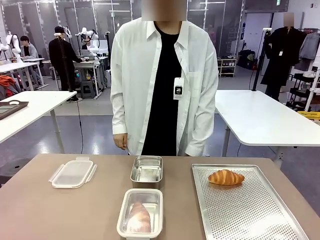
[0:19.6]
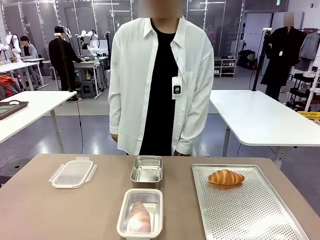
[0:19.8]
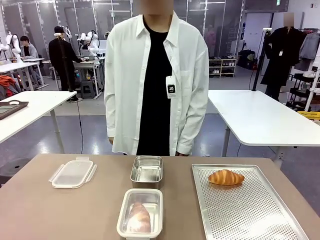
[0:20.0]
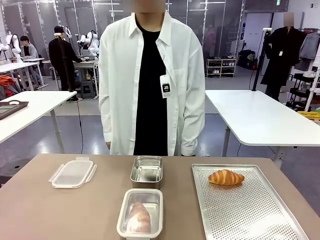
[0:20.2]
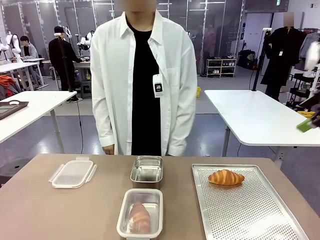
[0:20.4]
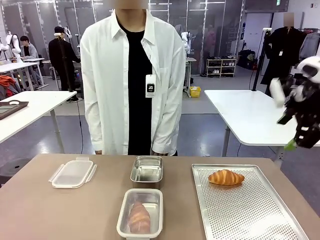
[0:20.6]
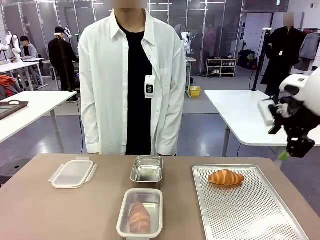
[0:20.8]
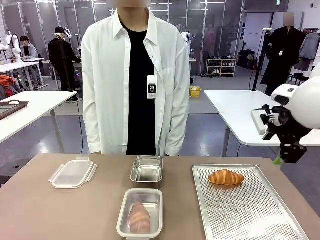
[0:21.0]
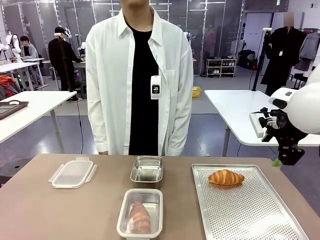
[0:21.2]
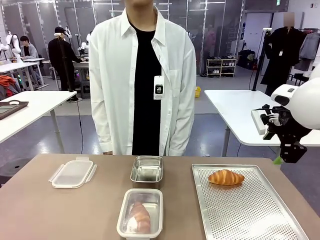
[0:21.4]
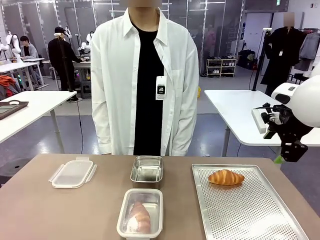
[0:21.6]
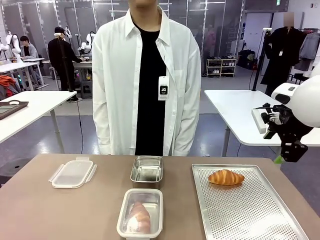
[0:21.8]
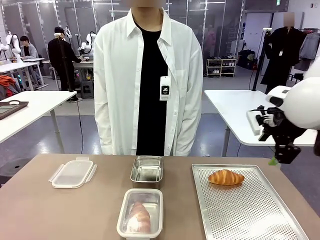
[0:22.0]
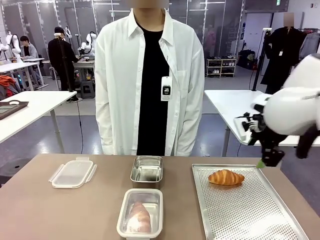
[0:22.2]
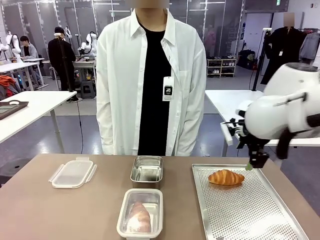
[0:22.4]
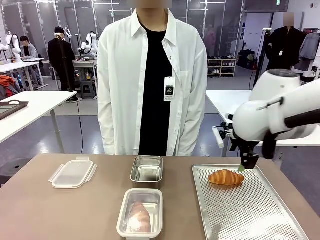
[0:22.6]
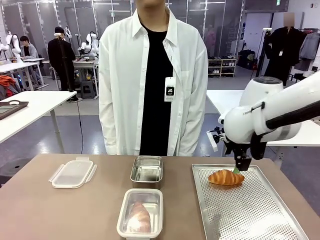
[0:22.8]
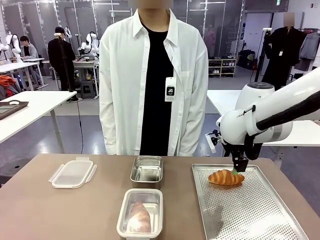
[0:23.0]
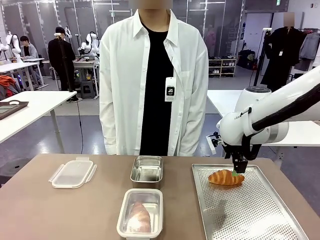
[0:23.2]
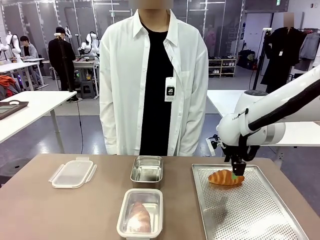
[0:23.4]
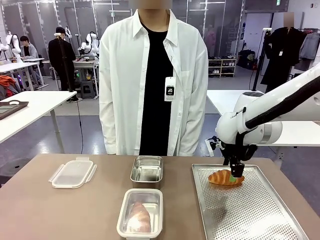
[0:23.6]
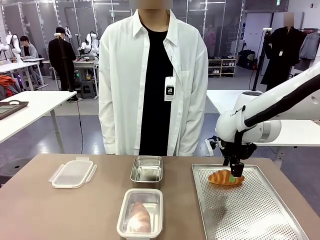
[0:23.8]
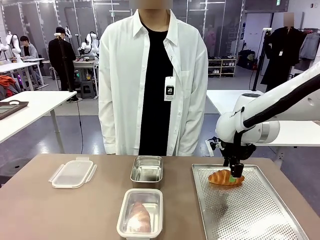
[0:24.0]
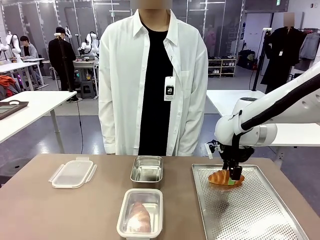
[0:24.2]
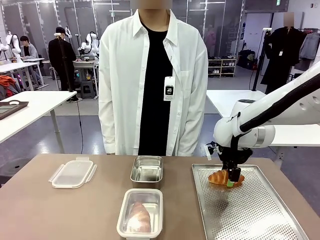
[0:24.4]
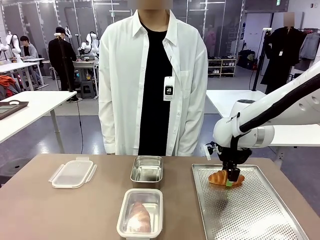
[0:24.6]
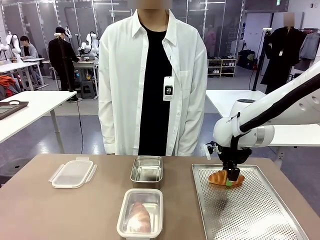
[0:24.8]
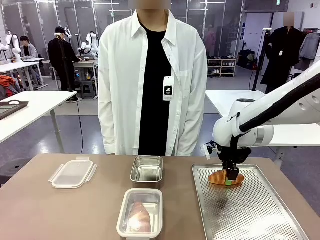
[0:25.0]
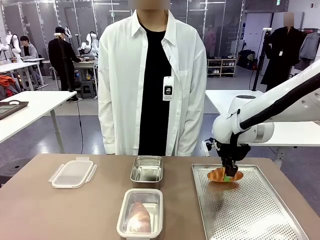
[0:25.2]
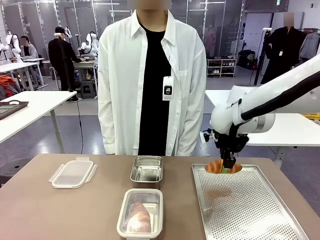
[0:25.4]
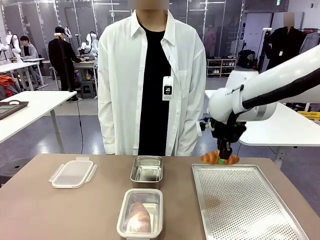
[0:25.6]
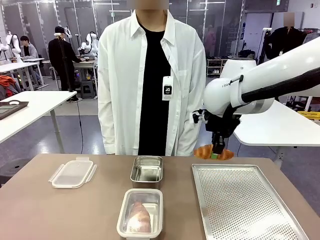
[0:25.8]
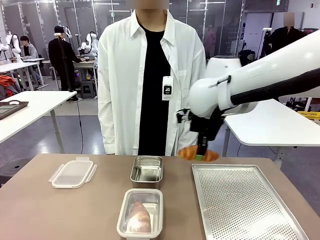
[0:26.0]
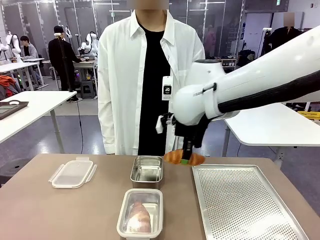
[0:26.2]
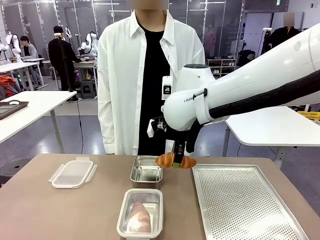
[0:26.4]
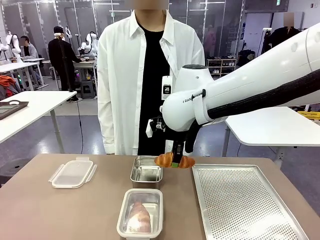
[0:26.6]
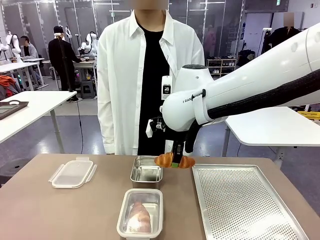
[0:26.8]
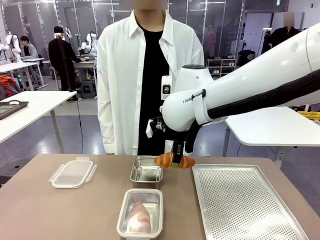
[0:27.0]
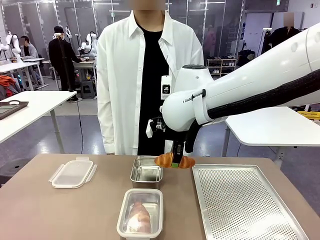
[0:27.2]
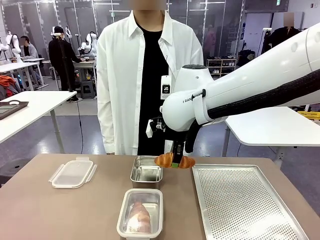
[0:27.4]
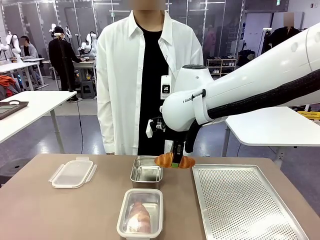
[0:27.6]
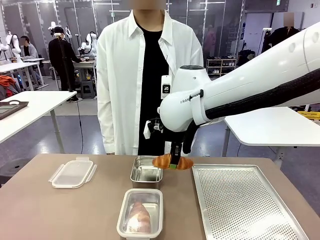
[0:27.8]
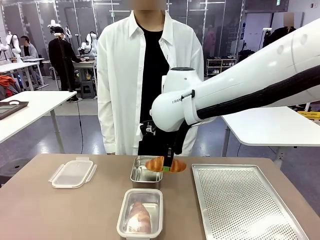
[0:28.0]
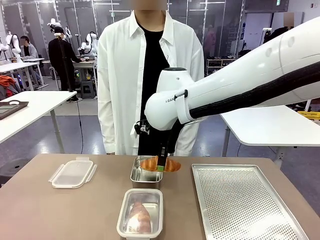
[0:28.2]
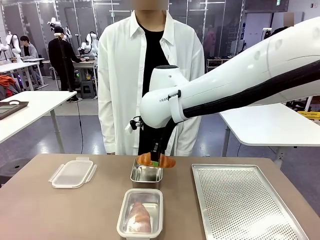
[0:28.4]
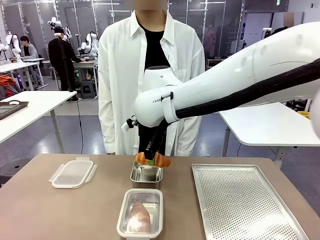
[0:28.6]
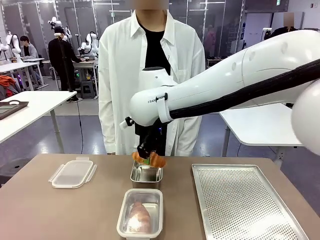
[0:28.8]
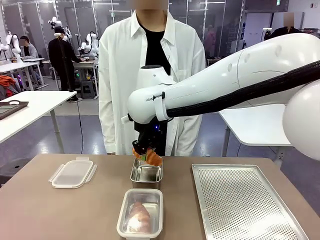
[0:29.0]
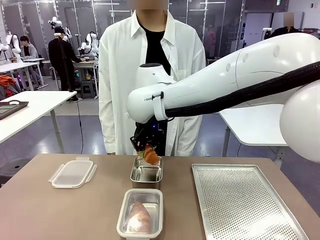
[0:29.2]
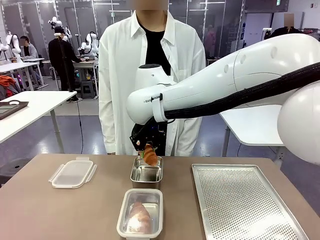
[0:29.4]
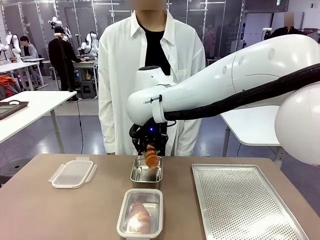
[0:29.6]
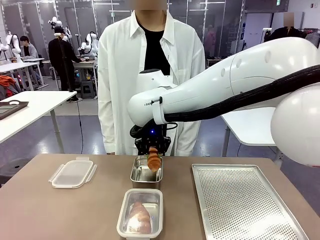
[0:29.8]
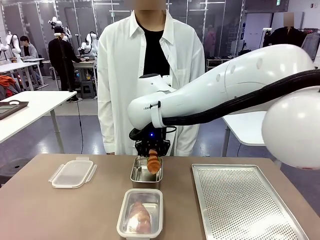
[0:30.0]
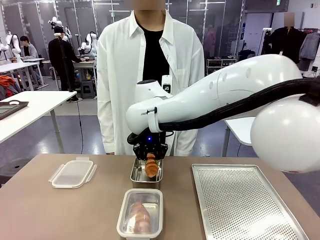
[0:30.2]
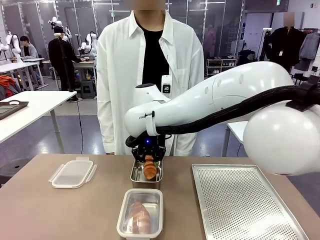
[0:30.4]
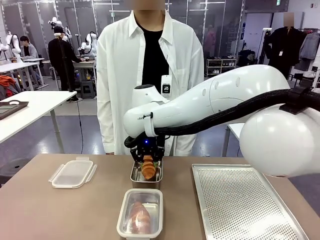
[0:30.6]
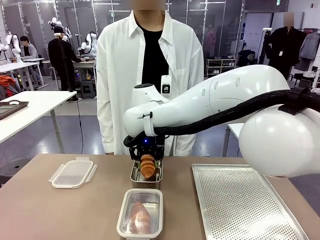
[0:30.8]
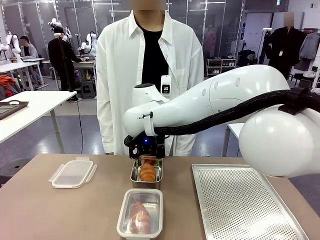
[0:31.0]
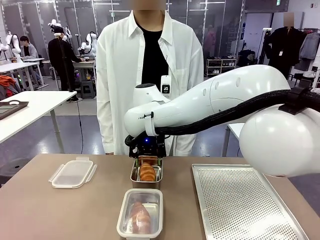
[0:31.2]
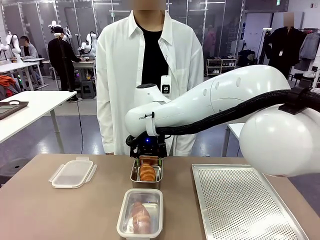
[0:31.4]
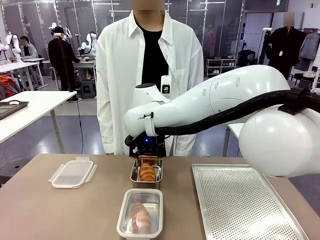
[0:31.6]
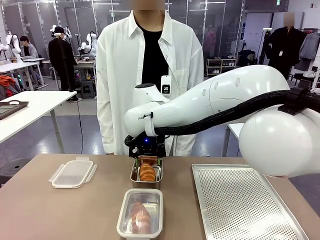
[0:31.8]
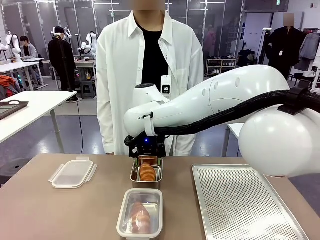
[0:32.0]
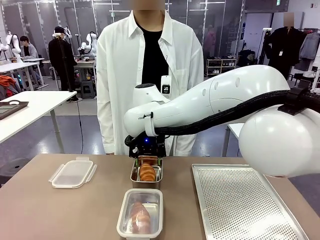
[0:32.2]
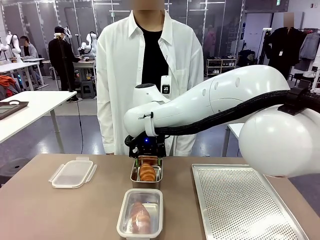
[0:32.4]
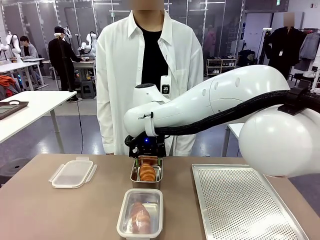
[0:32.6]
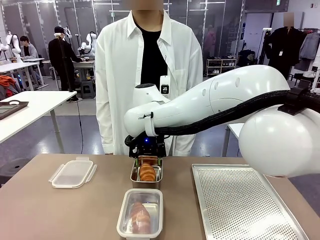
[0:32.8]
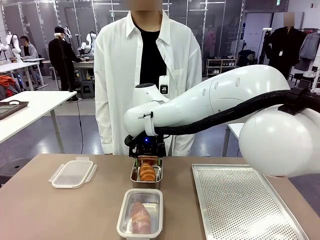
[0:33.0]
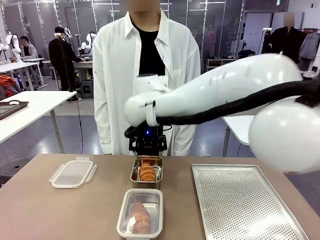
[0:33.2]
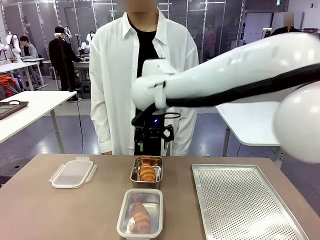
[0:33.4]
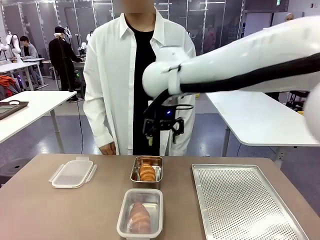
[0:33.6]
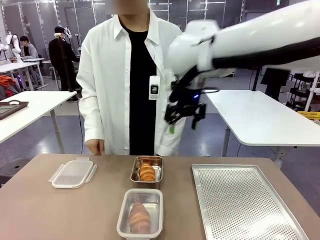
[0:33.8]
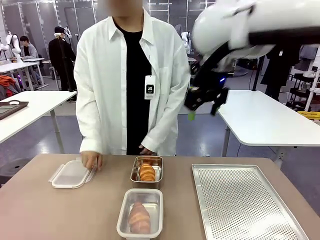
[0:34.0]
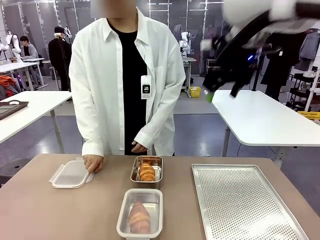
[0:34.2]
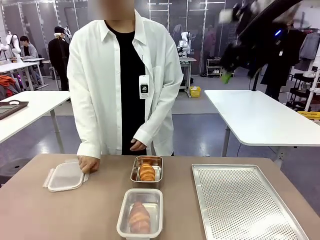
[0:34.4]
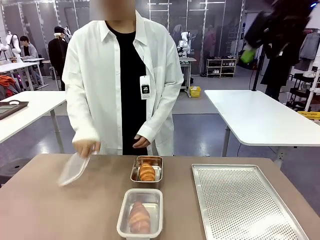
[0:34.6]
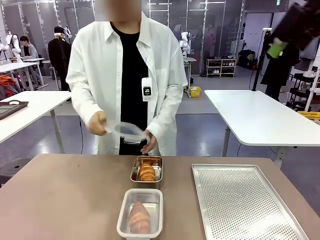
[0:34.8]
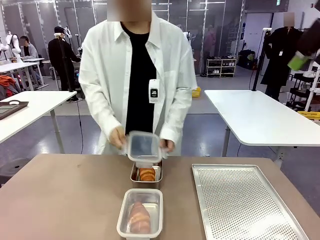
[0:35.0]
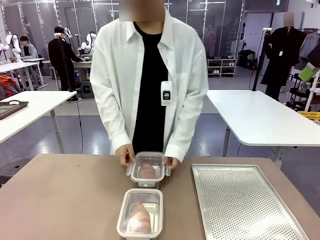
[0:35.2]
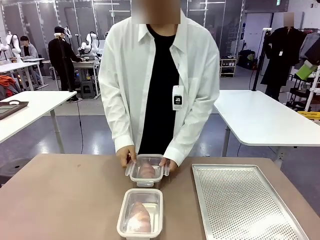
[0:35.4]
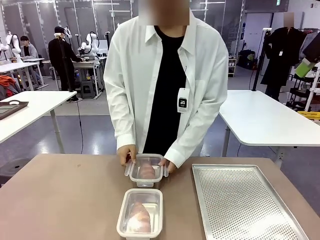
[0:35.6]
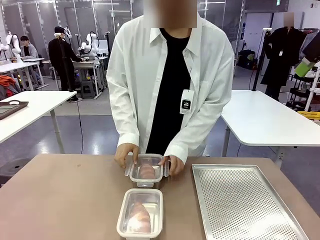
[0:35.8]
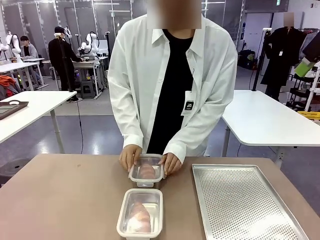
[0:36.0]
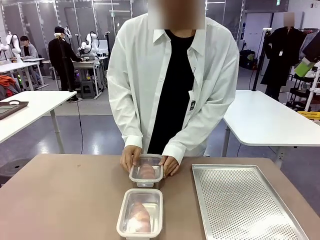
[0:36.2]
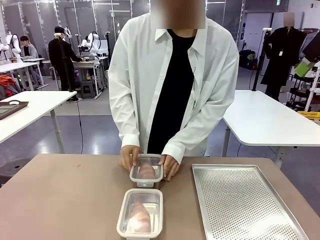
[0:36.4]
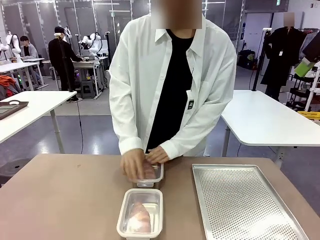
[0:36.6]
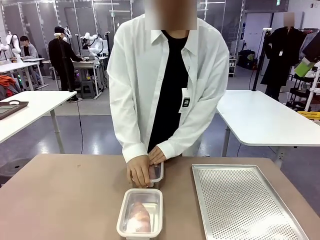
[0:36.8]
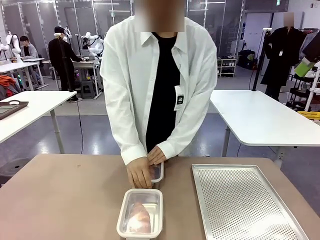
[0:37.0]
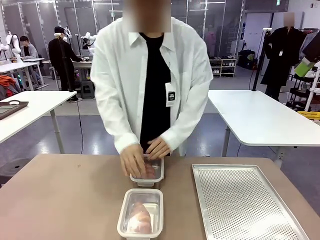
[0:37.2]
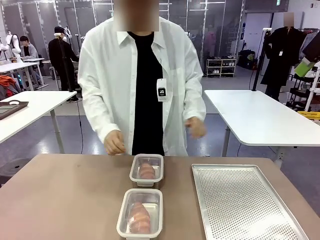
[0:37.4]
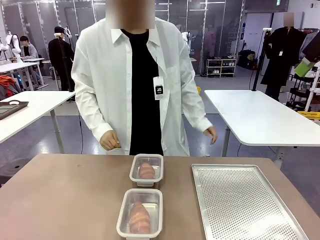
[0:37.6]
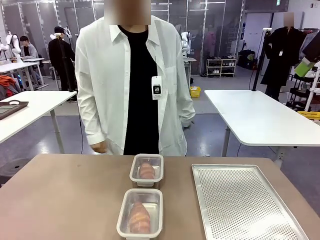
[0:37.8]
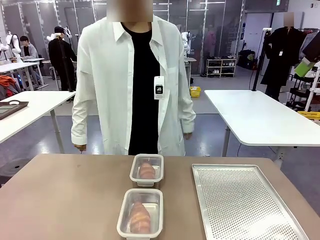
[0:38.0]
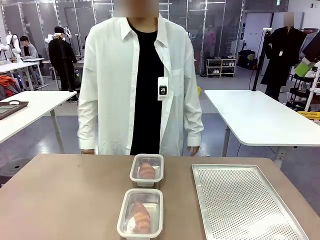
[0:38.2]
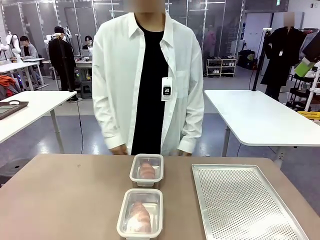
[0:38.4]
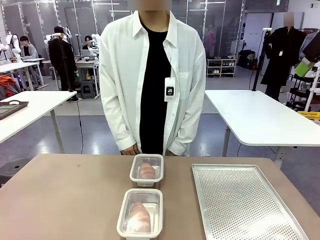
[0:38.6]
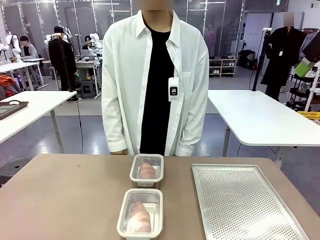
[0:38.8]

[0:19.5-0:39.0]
Task: Place the bread into the airtight container.
Robot: Pick up a Butter Roll and place it into an empty Airtight Container.
